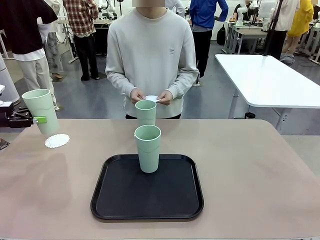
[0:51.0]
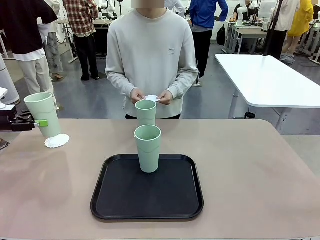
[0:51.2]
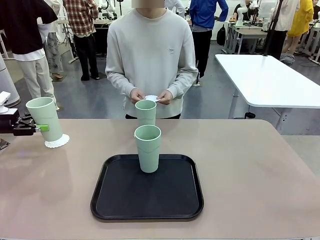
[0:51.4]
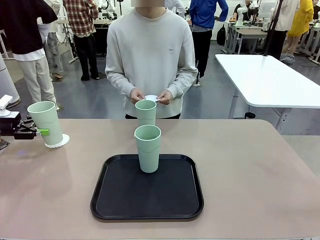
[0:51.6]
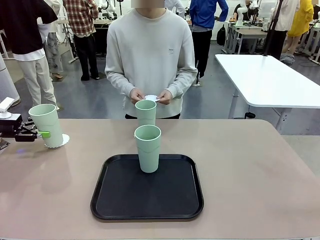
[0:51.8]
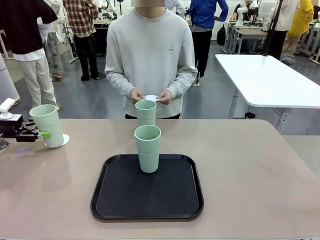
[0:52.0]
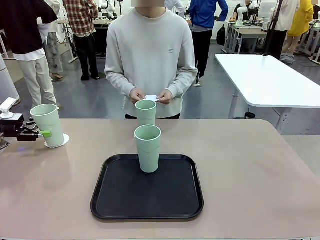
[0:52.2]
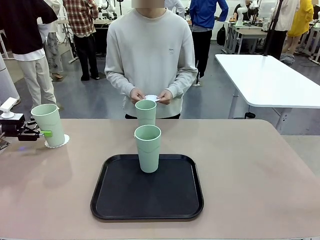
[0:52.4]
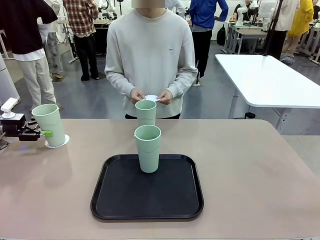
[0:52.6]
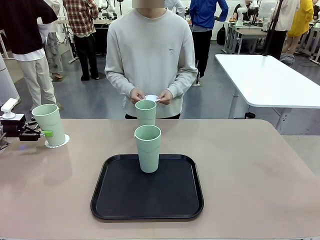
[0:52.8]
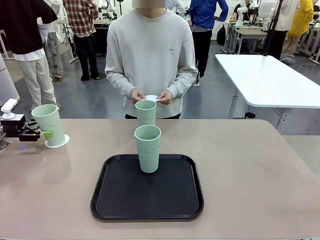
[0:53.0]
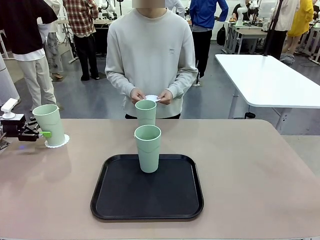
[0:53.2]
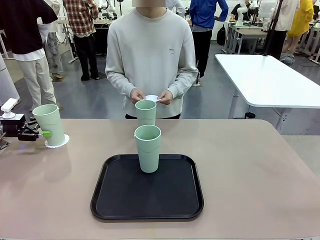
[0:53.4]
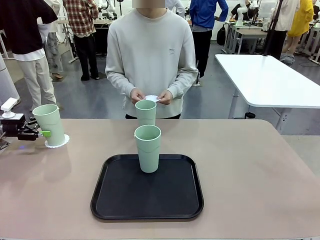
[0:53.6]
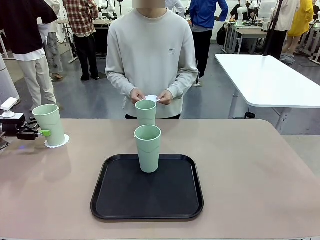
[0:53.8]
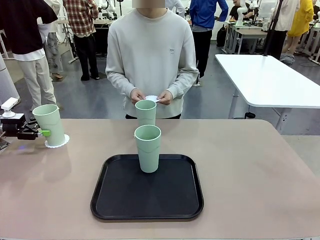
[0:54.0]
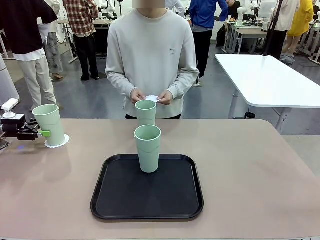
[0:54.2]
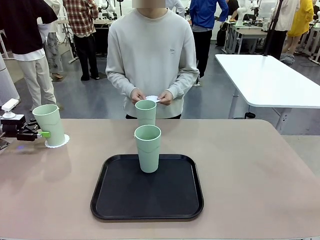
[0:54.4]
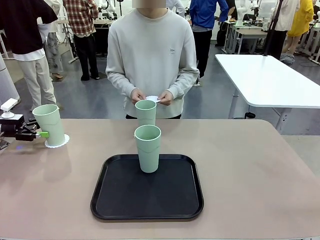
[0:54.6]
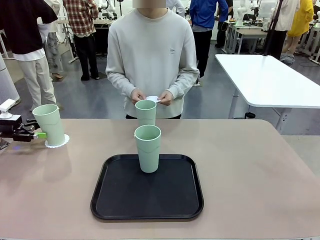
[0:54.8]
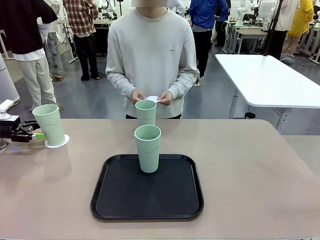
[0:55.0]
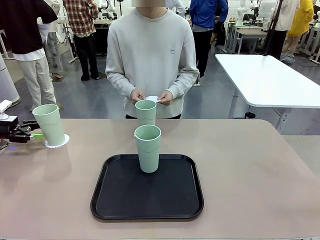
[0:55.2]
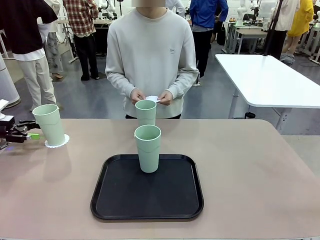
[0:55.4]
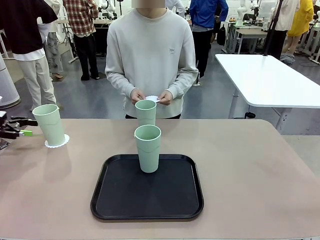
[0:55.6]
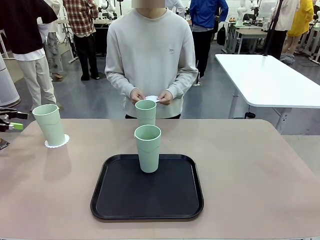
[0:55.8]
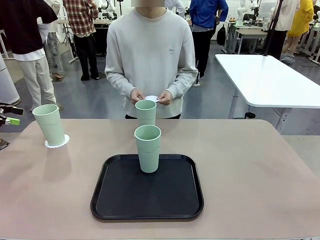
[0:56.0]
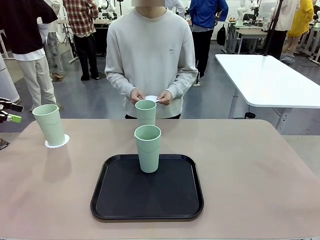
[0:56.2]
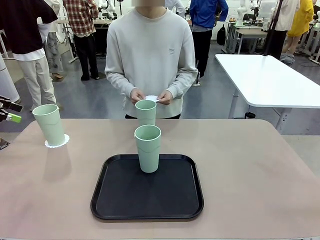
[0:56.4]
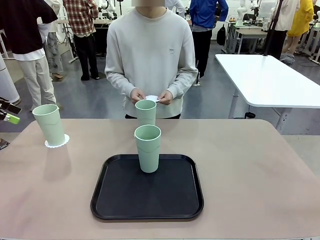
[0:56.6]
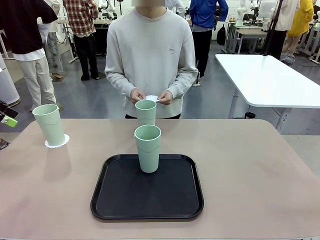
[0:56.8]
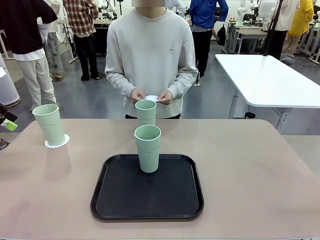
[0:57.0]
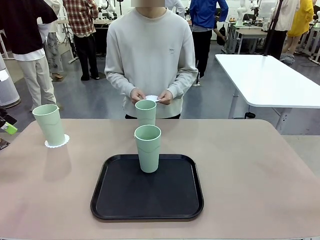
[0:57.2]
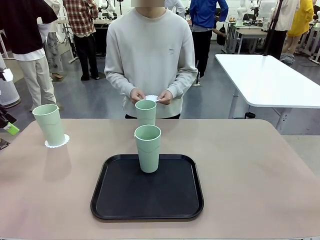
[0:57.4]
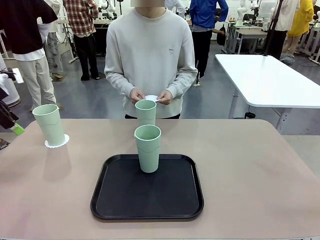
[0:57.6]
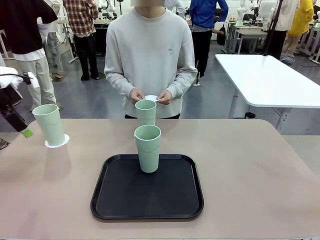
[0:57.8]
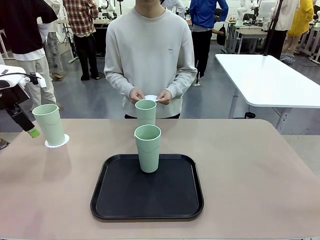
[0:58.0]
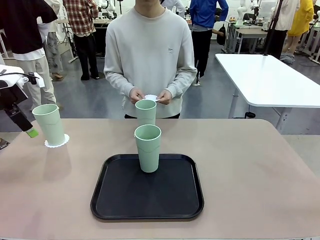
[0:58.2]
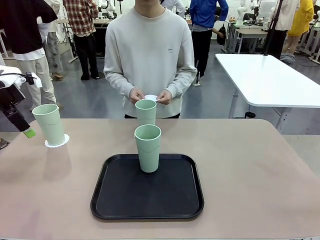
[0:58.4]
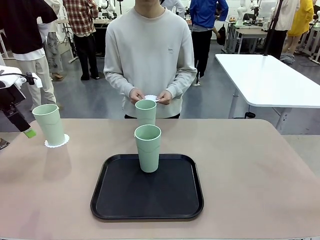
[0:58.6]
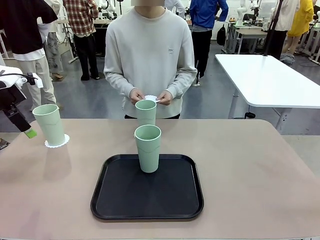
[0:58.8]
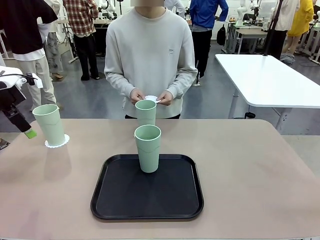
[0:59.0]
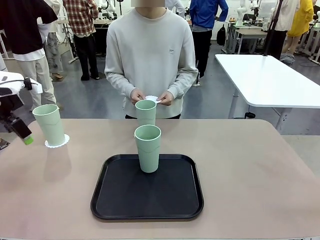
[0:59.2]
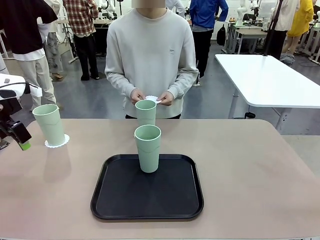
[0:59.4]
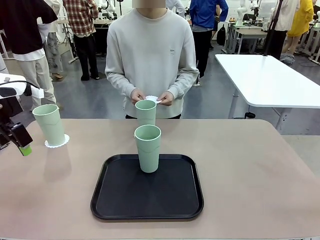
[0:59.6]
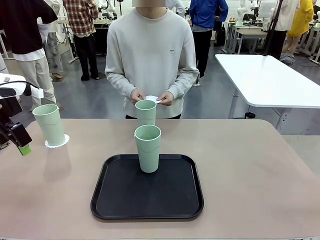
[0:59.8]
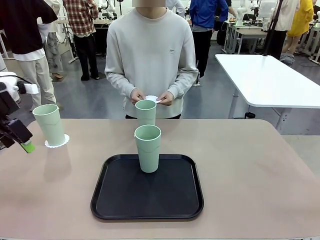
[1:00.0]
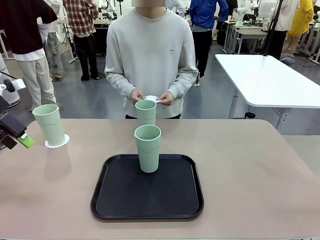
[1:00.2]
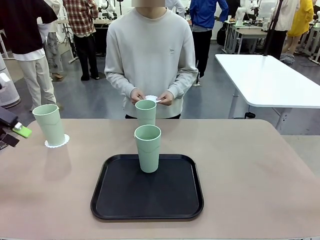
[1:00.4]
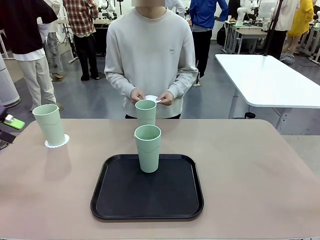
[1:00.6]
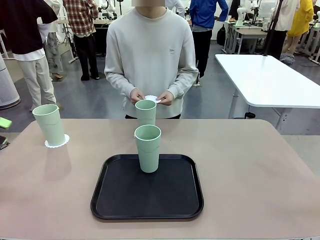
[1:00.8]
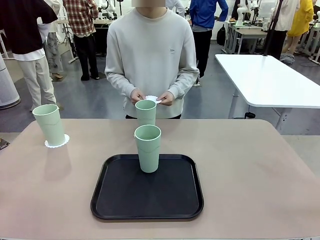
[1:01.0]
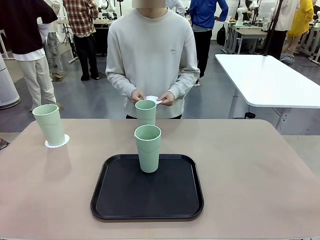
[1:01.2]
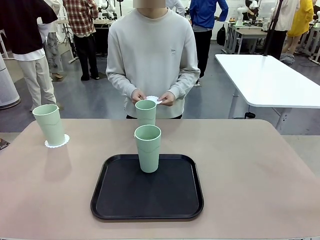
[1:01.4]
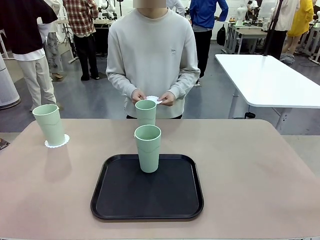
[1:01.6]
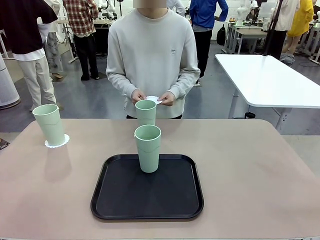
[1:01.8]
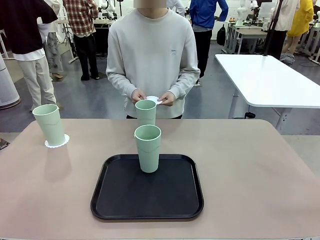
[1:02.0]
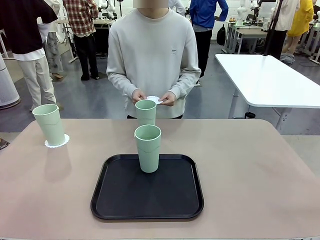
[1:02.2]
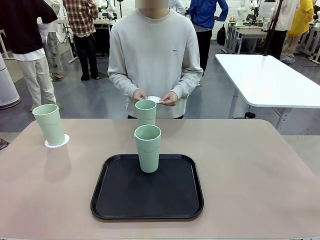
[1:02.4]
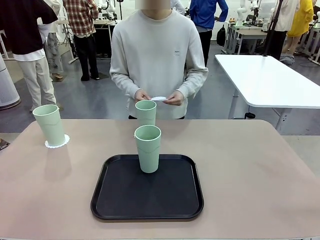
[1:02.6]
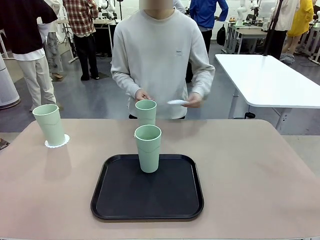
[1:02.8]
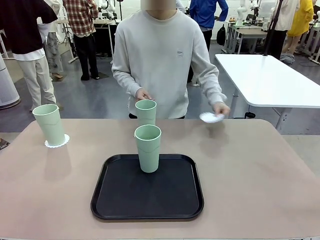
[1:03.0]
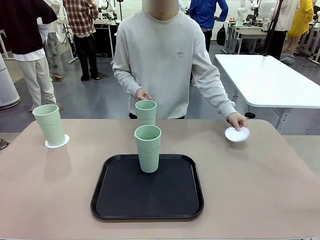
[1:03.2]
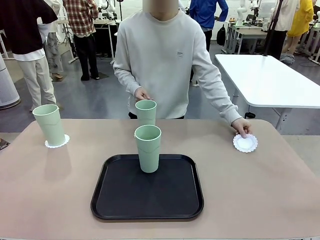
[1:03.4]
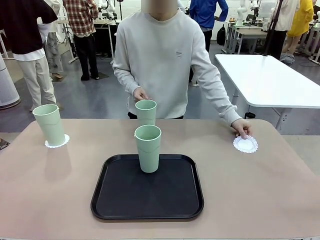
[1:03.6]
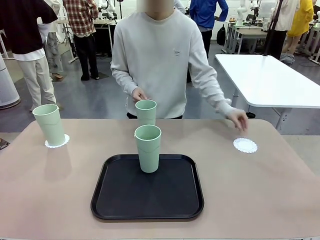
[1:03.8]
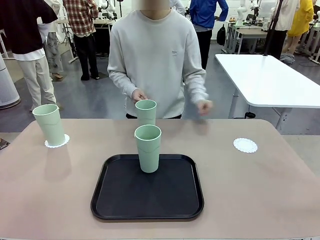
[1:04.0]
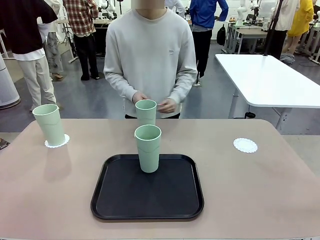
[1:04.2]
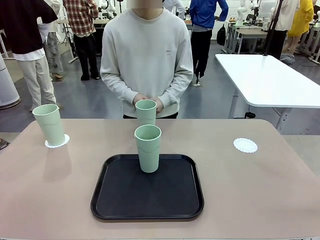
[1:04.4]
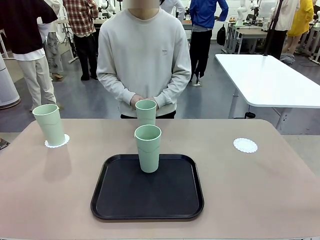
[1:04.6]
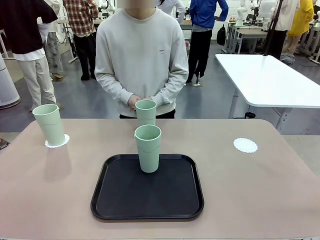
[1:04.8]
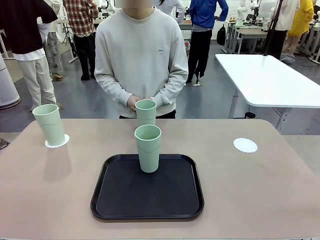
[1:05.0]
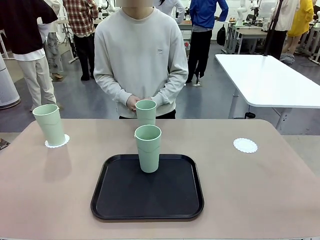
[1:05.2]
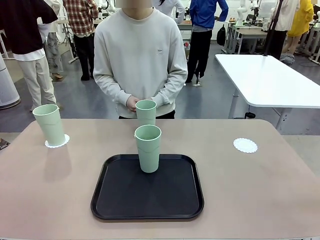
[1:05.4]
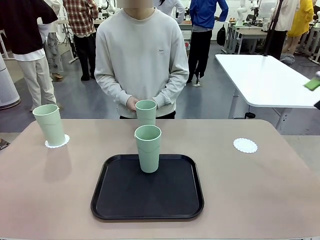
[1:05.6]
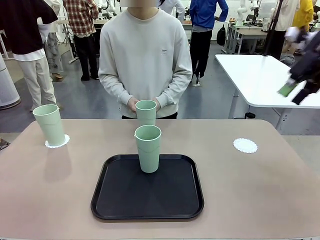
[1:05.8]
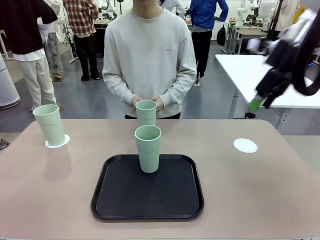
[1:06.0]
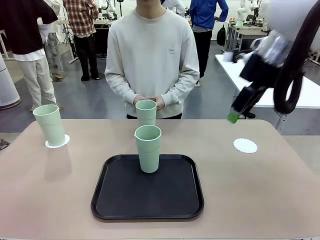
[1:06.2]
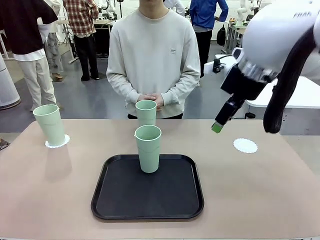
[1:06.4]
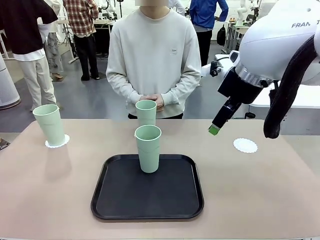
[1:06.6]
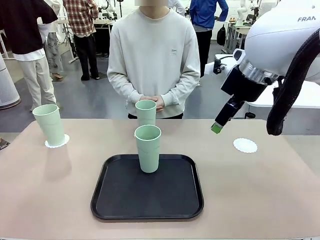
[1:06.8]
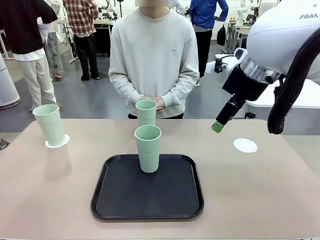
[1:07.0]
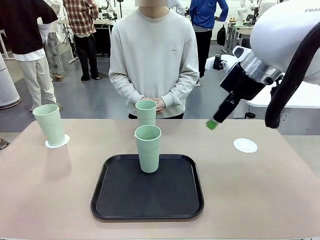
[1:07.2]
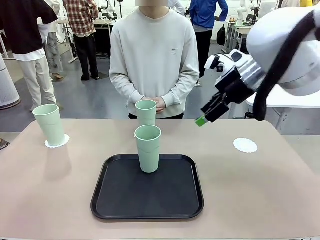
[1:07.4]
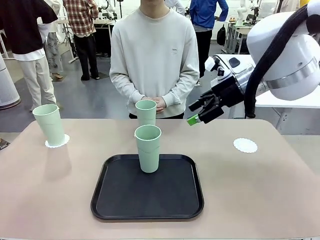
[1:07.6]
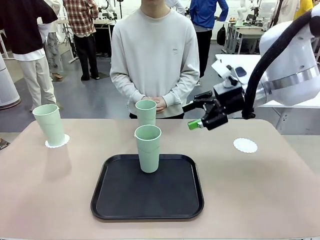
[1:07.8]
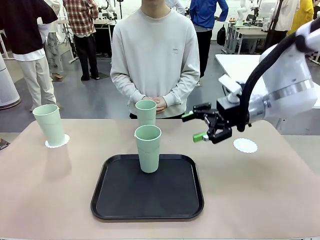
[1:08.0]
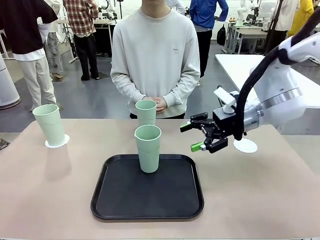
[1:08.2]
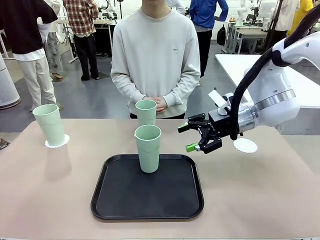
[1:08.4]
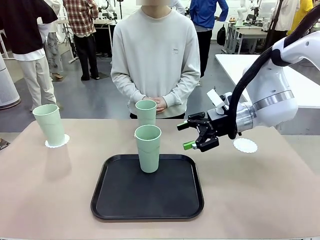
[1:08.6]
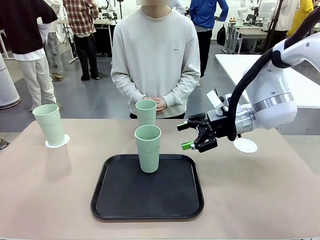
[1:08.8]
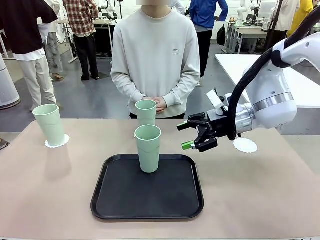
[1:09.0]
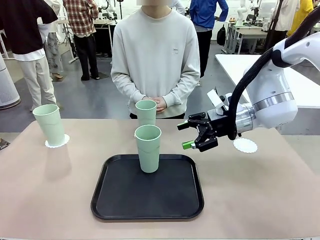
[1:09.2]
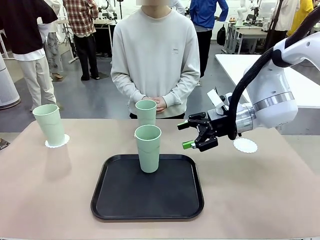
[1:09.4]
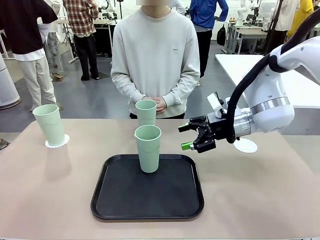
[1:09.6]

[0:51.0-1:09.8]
Task: Place coasters on the table and set cups on them.
Robot: Take one Reusable plastic cup from the Flat Tray and place it on a coaster set by the human.
